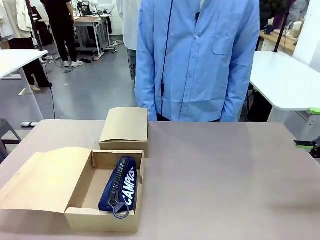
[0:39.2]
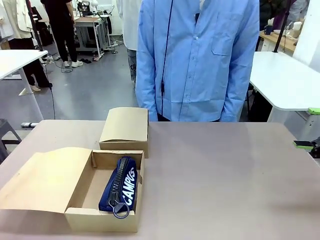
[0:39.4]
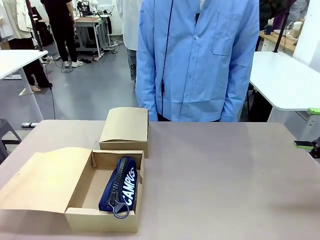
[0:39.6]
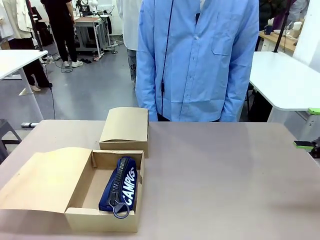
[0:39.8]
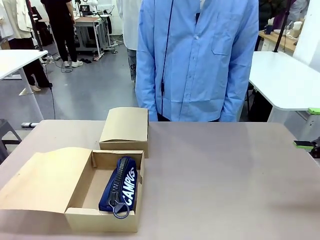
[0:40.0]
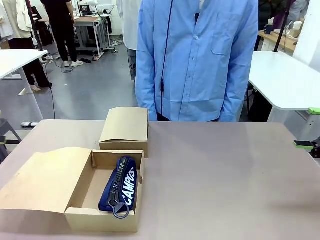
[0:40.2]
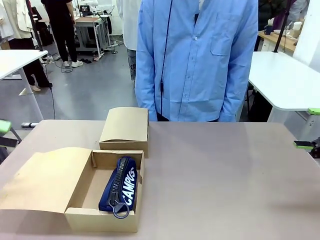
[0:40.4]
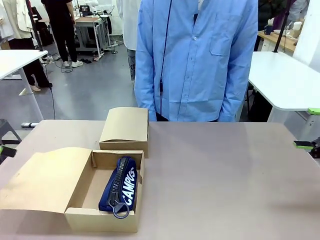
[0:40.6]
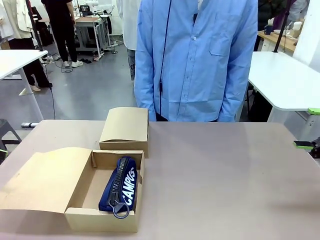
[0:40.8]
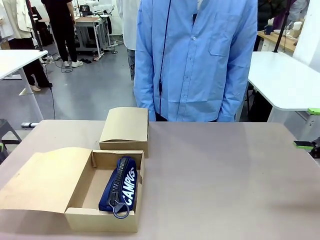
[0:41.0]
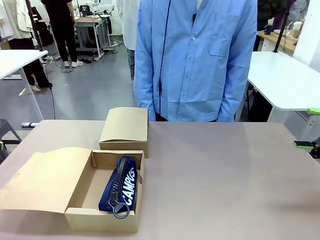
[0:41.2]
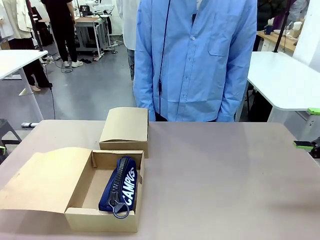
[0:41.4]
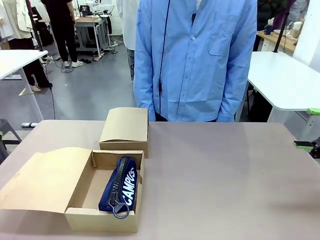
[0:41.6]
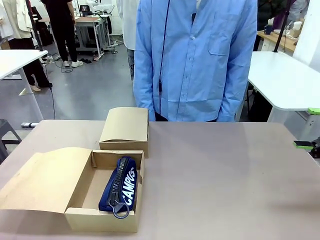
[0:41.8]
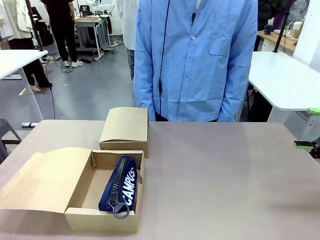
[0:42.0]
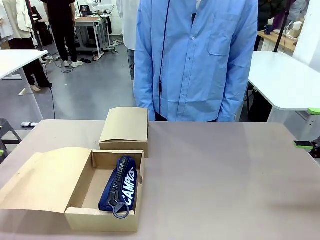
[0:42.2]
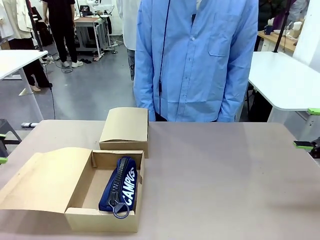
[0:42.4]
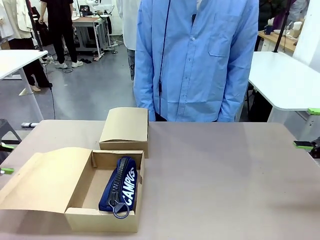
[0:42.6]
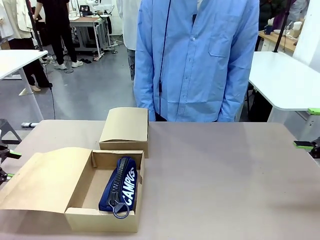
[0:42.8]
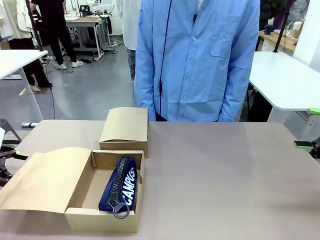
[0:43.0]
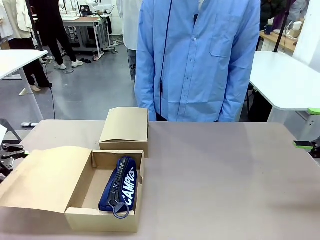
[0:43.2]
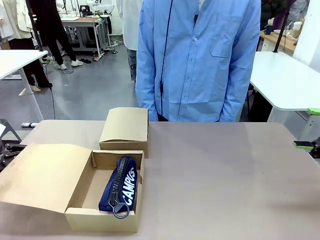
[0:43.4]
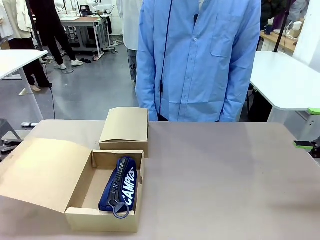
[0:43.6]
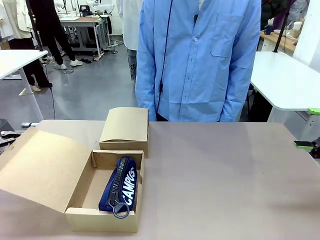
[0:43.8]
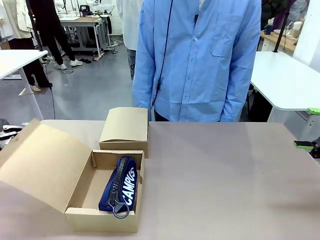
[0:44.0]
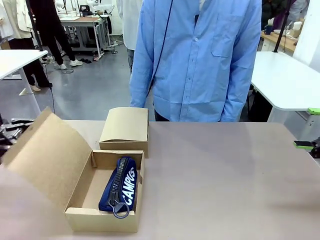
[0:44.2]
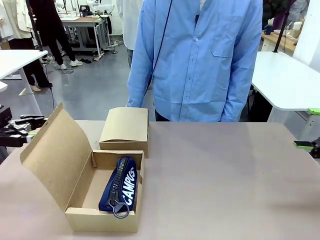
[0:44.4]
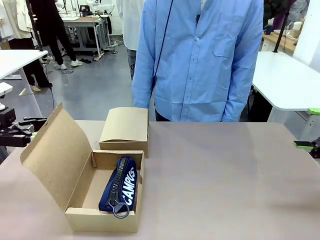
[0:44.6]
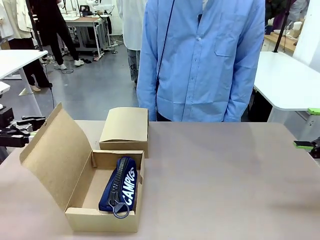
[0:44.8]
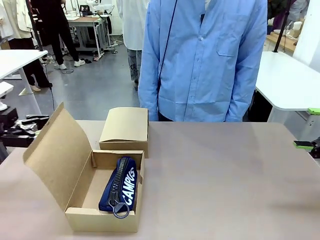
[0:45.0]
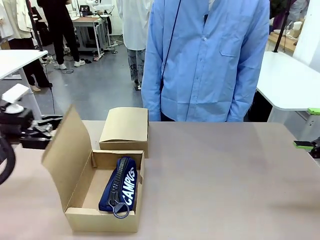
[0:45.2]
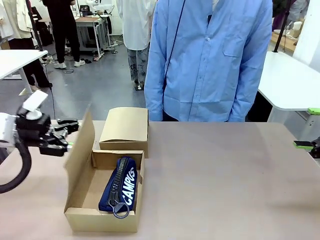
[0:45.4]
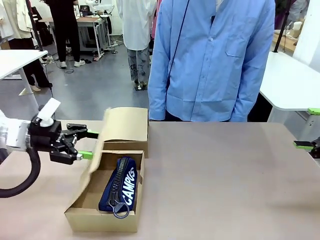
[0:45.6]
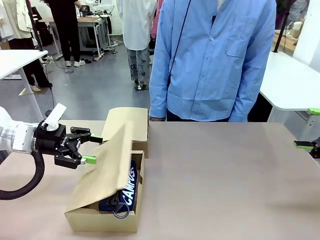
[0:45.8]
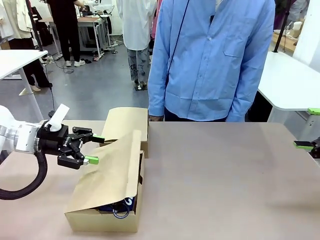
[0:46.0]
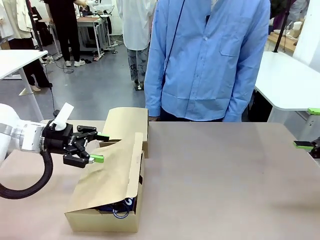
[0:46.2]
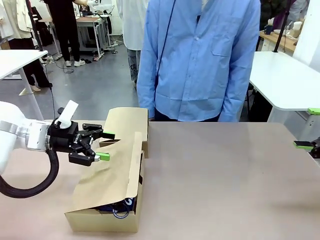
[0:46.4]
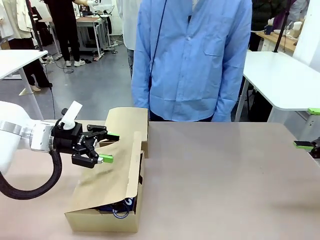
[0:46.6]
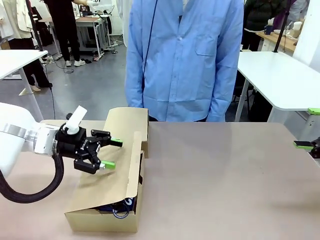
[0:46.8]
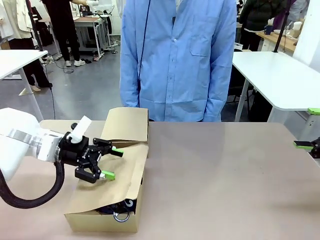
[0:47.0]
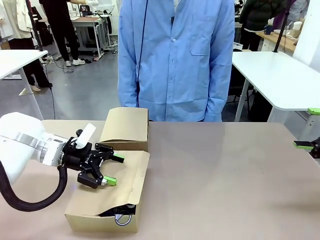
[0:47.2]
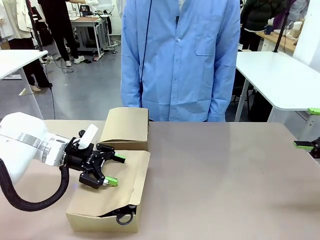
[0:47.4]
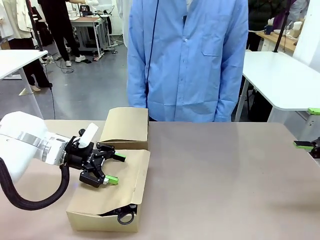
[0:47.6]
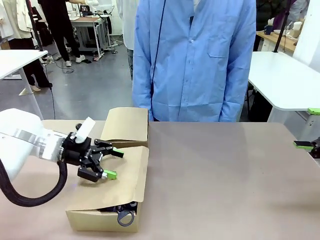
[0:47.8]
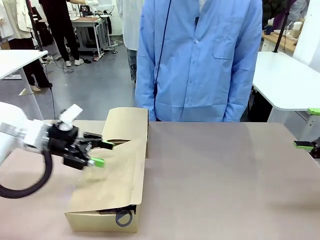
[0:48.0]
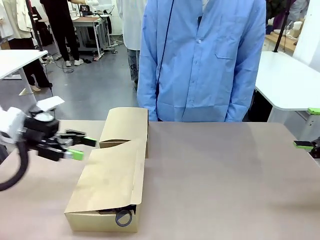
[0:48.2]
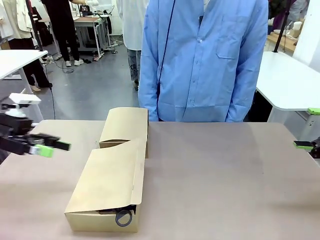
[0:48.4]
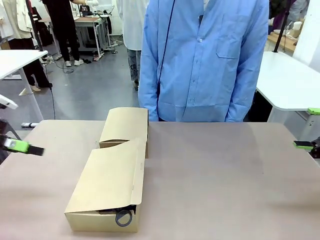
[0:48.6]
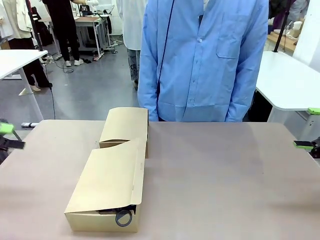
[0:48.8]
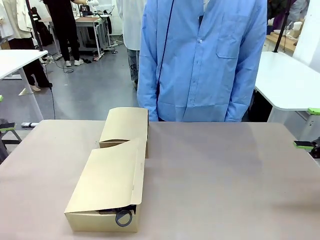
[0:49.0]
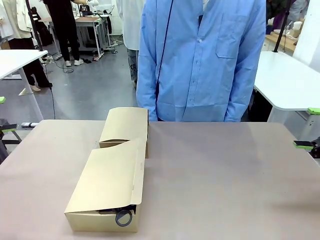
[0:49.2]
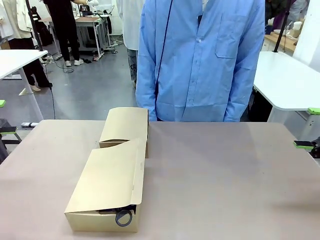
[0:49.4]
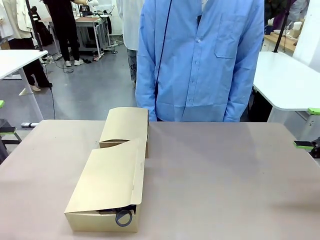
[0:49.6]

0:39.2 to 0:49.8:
Task: Place items inside the box.
Robot: Close the lid of the Mailer Box closest to the robot.

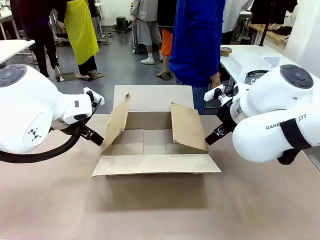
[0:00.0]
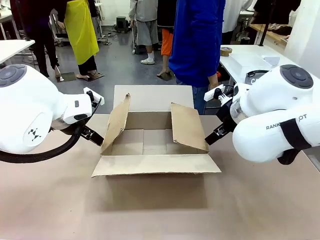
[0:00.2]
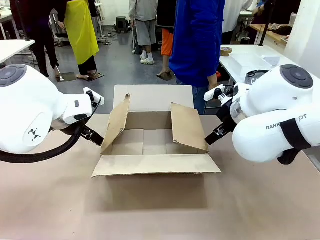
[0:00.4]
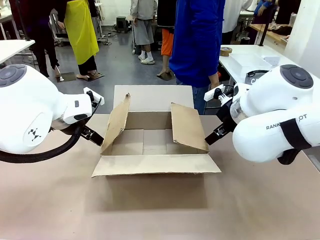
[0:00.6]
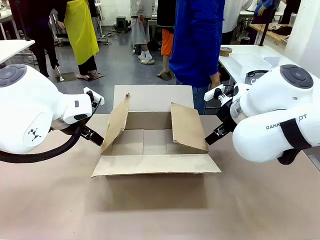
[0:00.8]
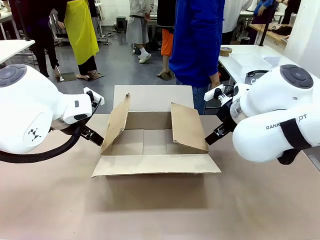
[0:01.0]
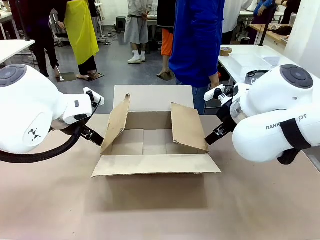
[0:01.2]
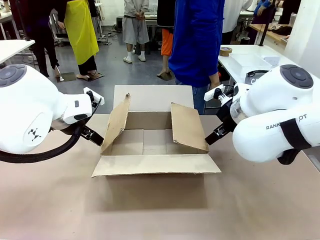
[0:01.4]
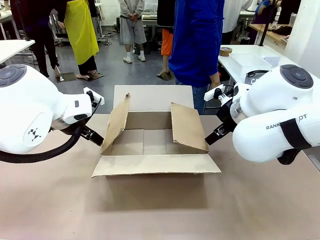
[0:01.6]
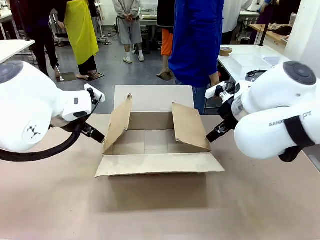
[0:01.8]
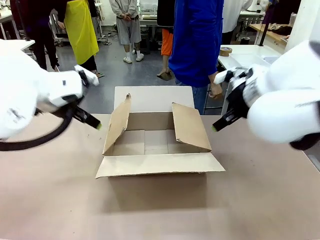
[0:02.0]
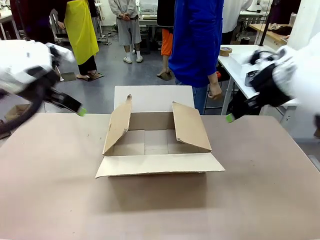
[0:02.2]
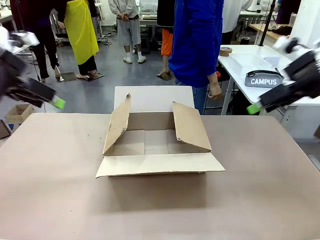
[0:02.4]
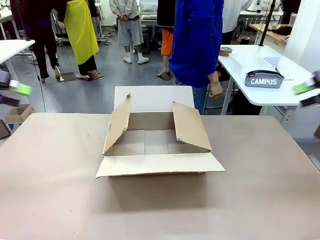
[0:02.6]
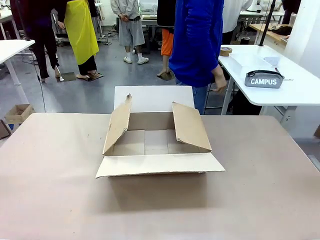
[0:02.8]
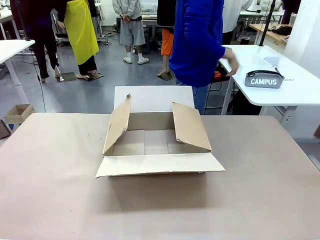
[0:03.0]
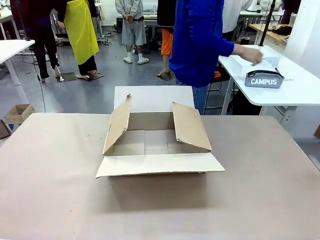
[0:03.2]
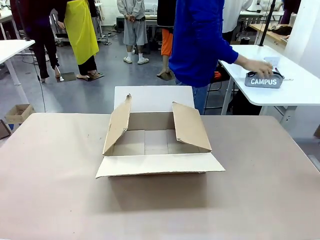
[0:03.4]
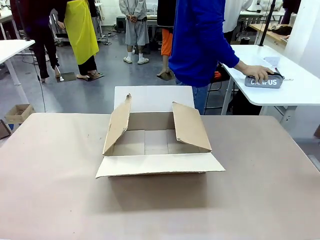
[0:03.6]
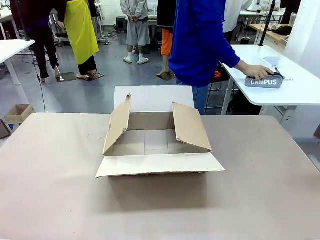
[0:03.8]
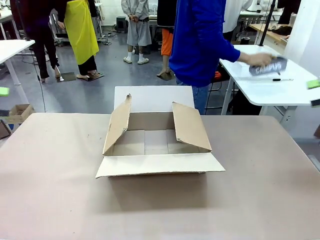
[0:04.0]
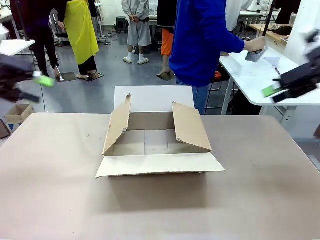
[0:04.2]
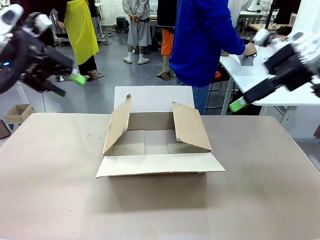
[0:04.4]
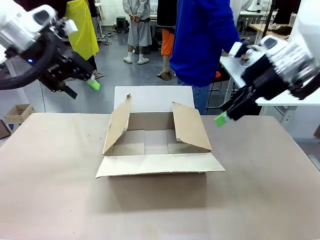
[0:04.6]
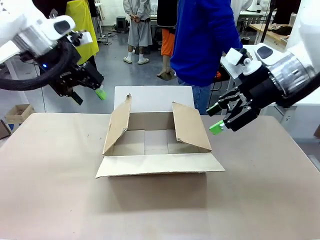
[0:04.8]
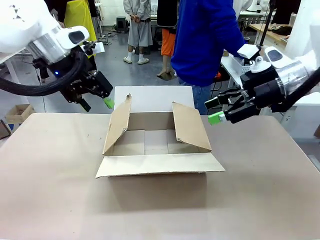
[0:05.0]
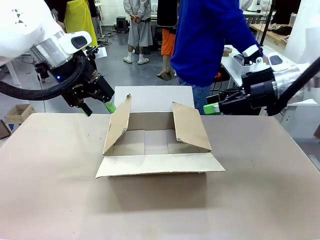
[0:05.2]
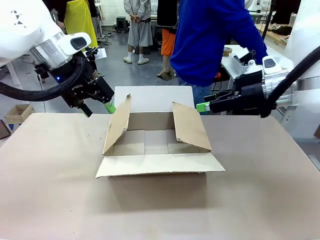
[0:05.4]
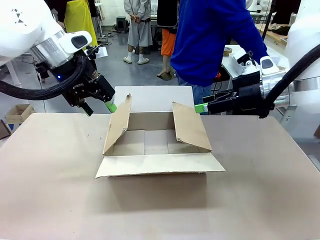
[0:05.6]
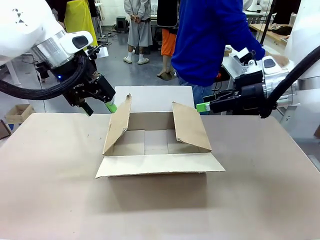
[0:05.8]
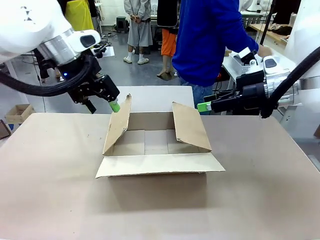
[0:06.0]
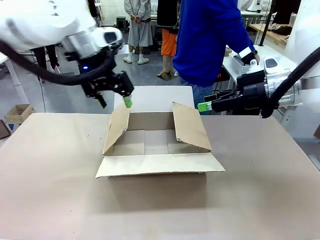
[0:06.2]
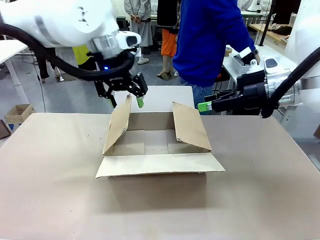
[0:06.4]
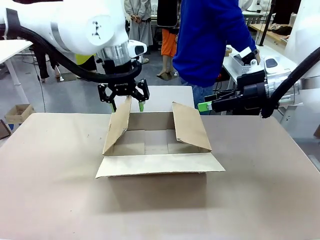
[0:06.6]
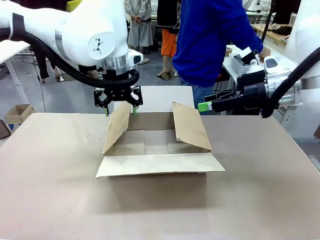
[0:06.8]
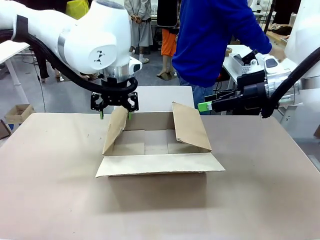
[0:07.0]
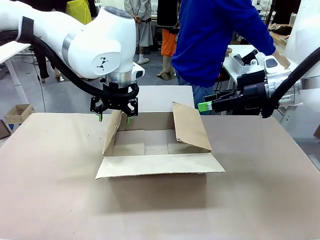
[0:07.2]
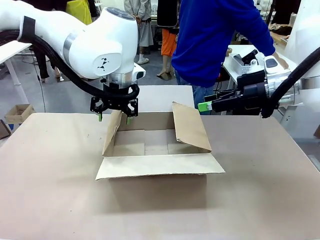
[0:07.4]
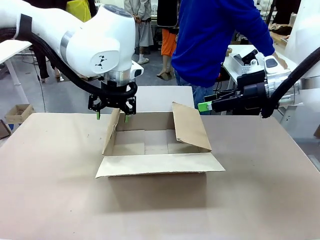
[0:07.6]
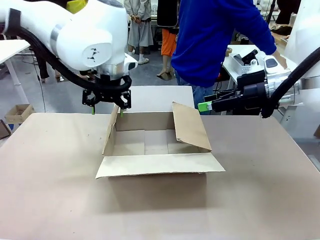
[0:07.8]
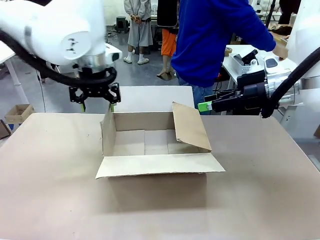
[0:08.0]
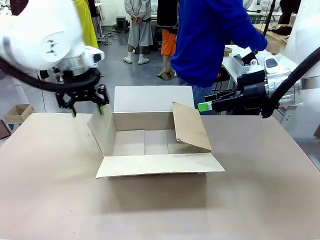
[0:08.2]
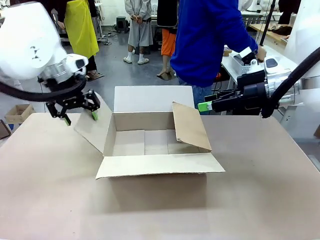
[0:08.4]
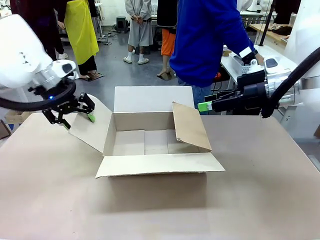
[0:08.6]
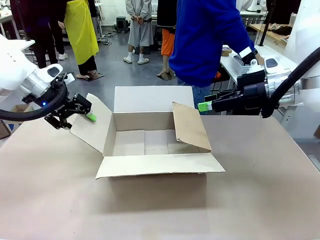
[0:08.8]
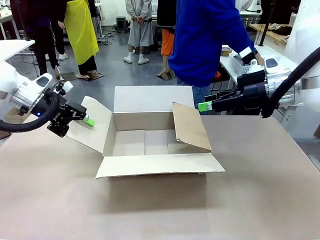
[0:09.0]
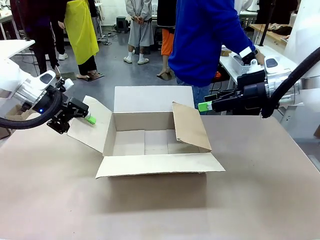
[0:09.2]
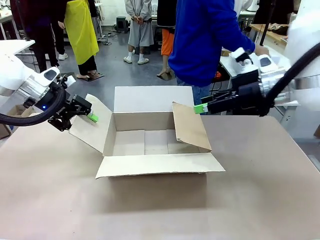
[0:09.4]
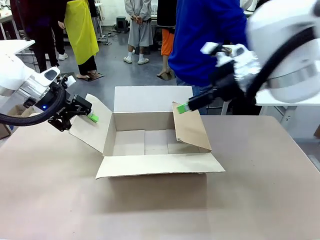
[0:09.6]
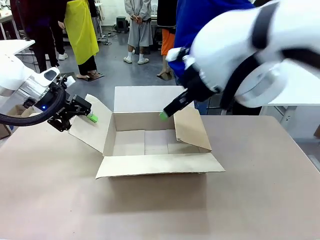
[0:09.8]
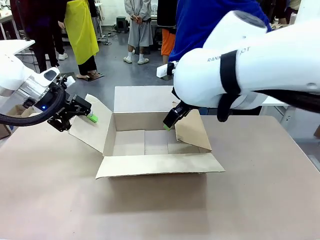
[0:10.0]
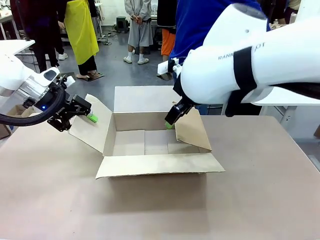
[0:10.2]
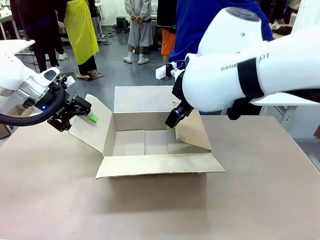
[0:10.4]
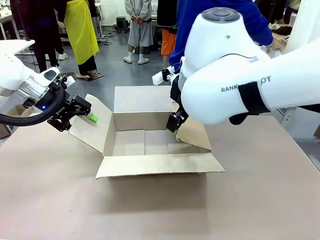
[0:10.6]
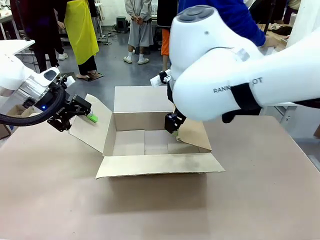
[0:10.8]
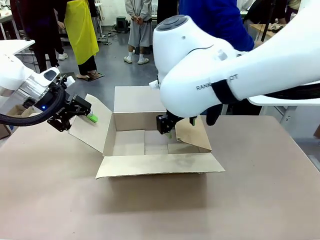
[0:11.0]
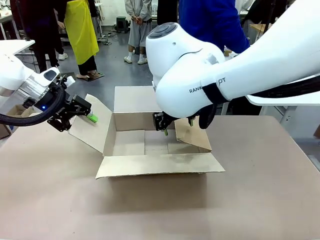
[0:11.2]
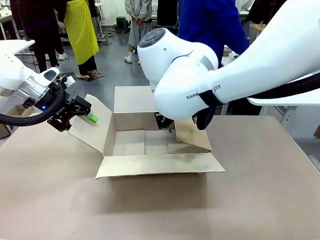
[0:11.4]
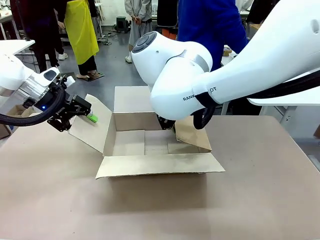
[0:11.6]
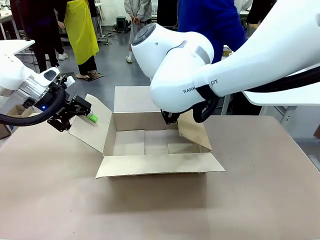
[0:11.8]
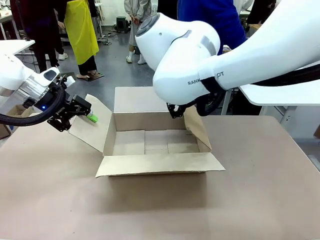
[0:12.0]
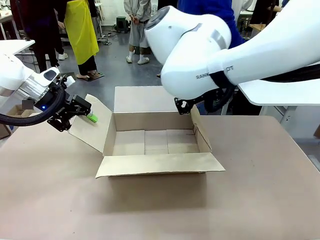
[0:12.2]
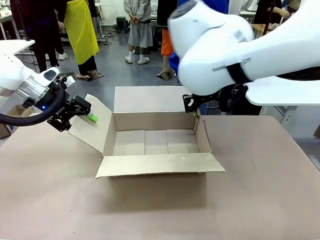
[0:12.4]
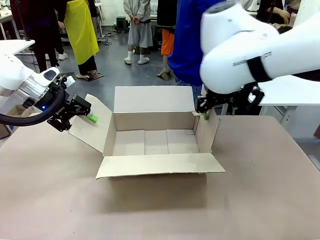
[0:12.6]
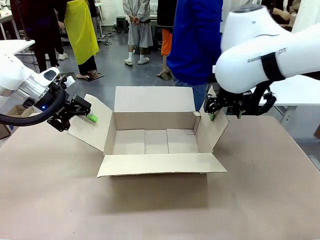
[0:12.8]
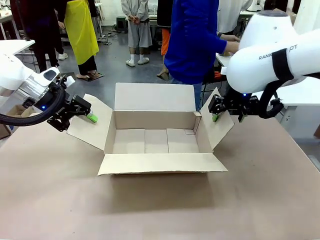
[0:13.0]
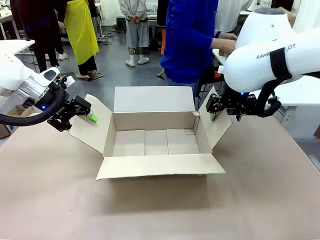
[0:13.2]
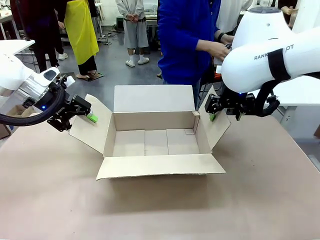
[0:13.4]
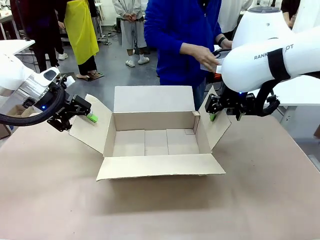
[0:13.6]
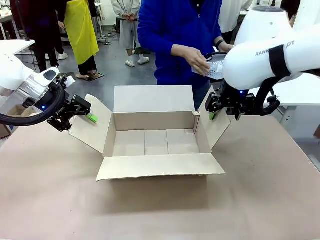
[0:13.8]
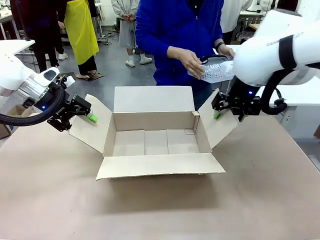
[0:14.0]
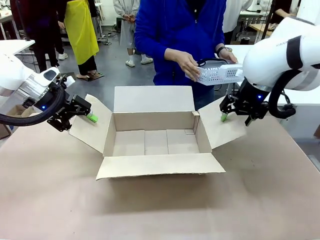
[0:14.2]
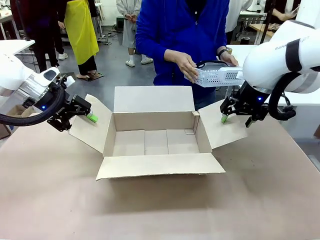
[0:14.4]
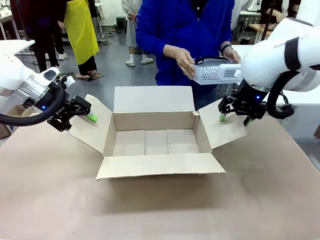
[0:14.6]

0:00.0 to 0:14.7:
Task: Pack the gift set into the box.
Robot: Place both hands on the side flaps of the Package Box and spread them outward.
Person: The human places all items except the paper tape into the organizing basket.
